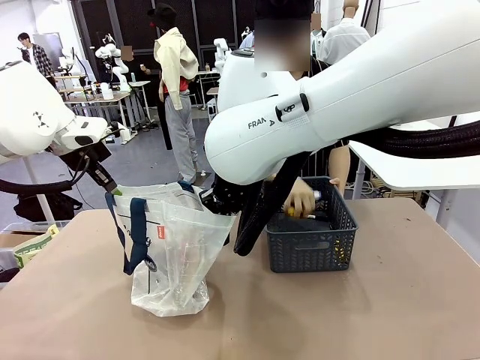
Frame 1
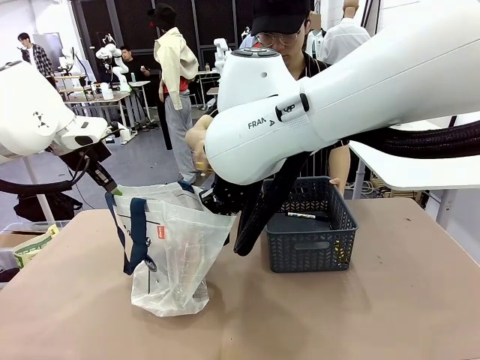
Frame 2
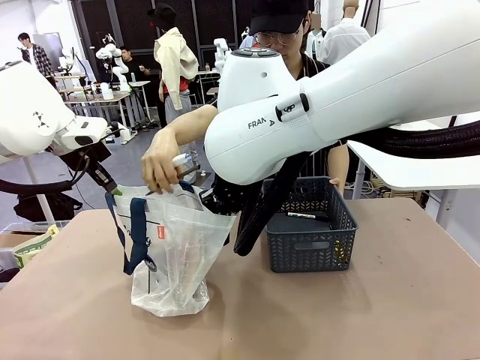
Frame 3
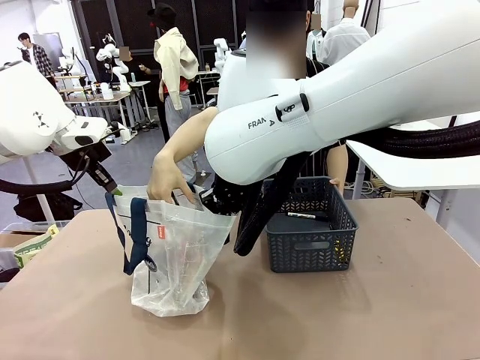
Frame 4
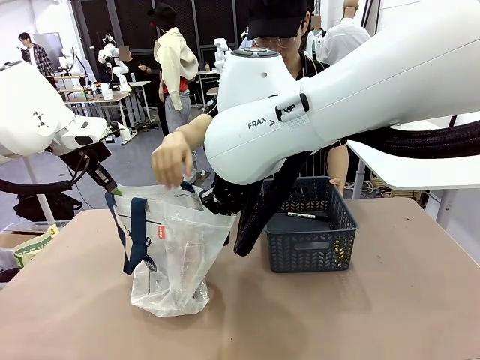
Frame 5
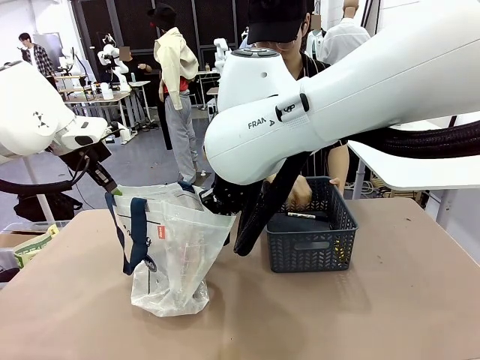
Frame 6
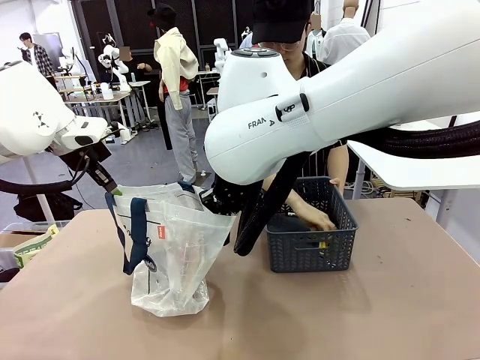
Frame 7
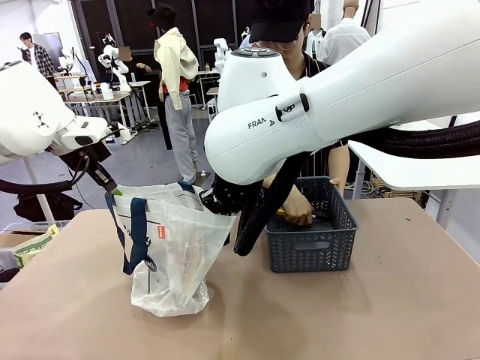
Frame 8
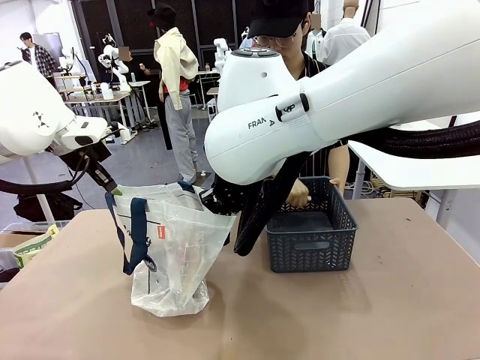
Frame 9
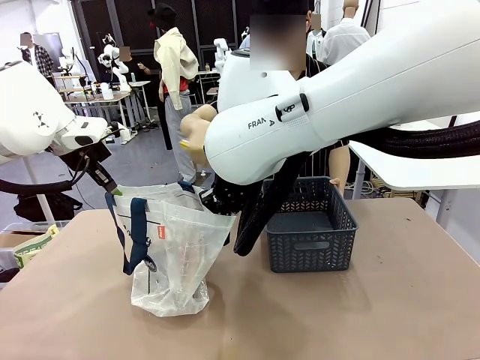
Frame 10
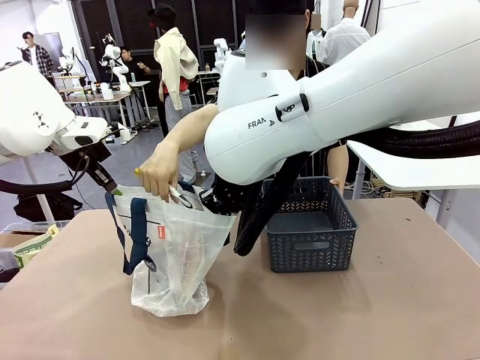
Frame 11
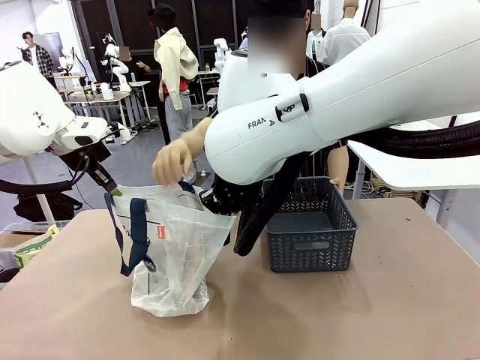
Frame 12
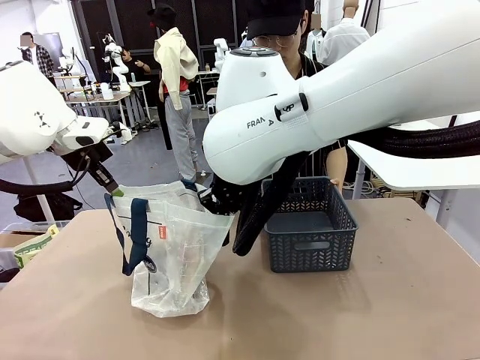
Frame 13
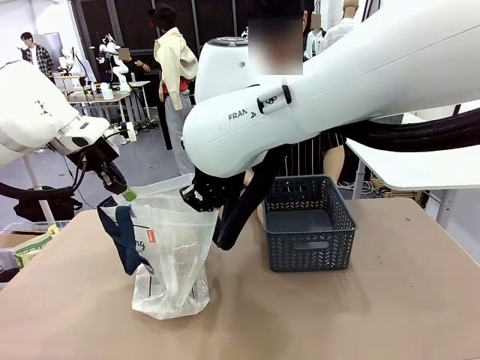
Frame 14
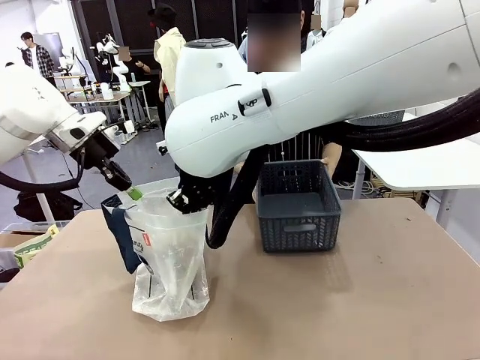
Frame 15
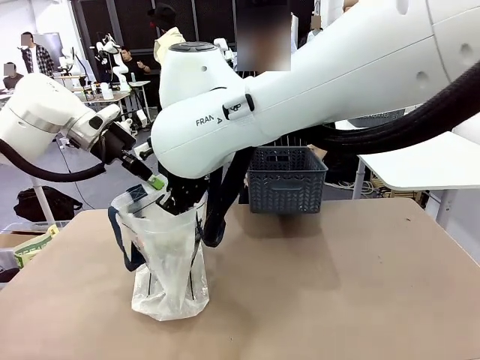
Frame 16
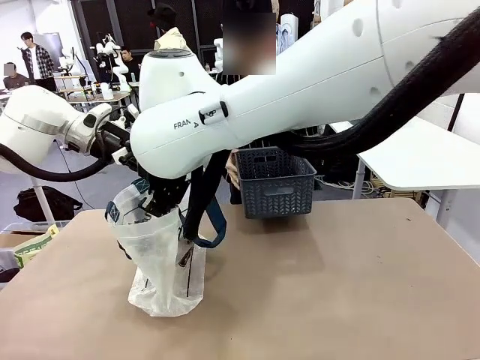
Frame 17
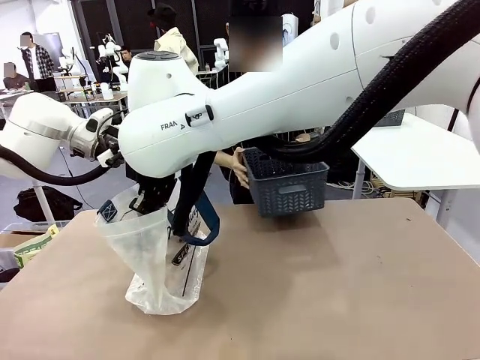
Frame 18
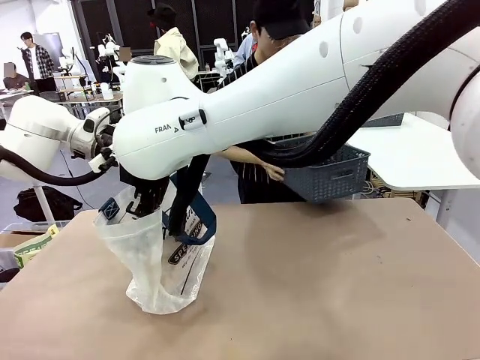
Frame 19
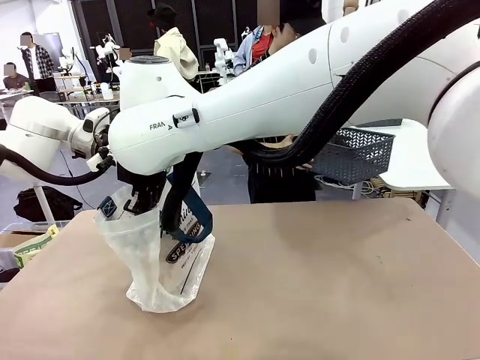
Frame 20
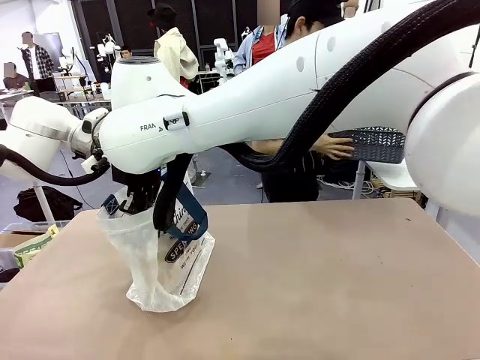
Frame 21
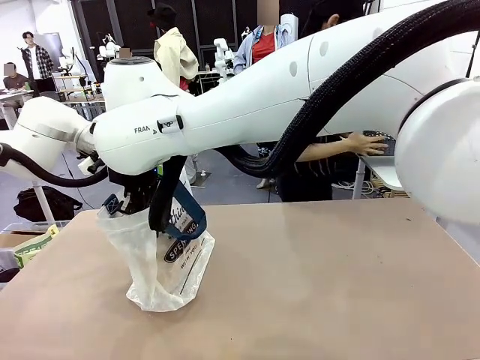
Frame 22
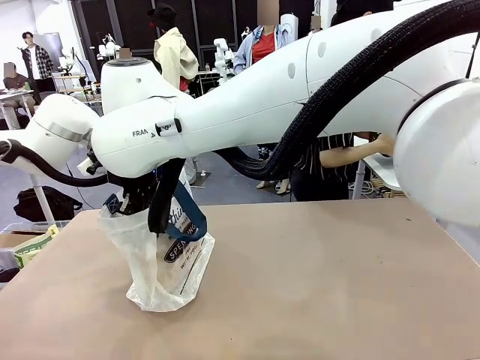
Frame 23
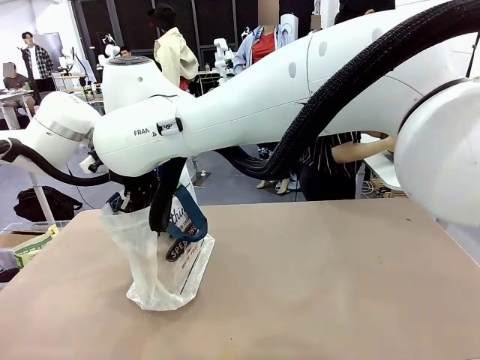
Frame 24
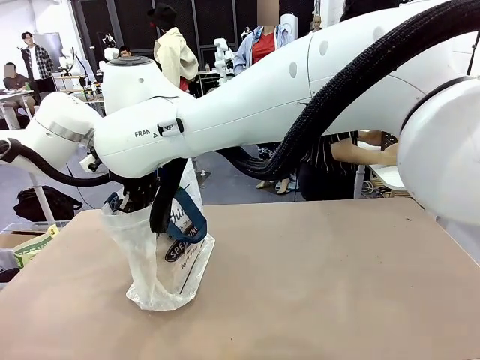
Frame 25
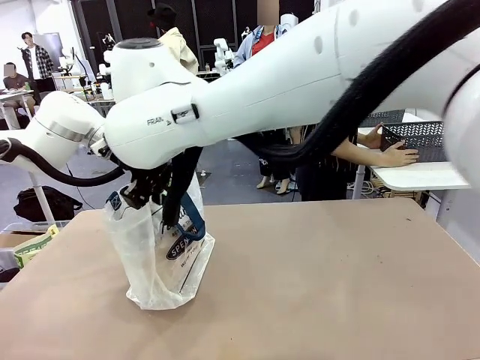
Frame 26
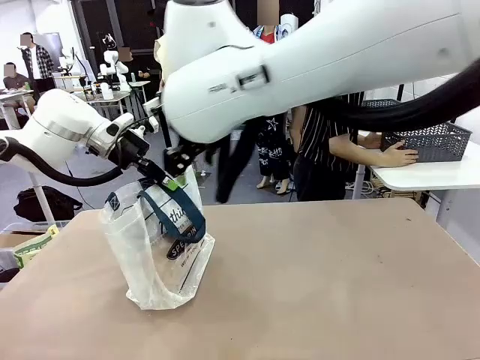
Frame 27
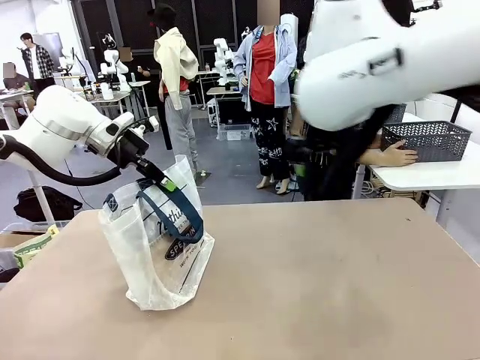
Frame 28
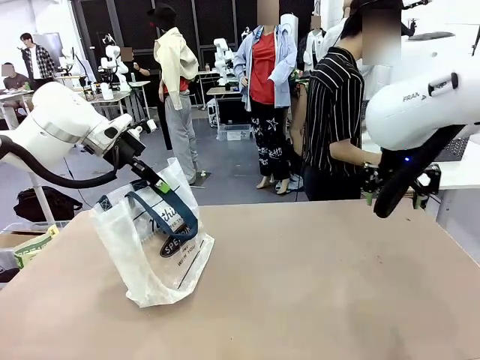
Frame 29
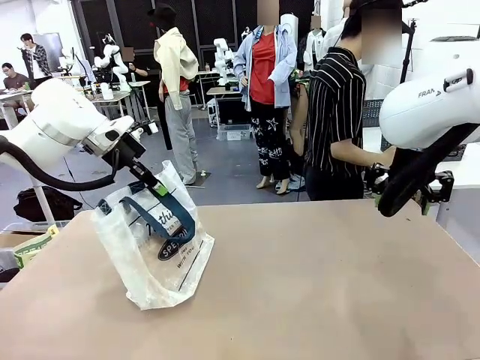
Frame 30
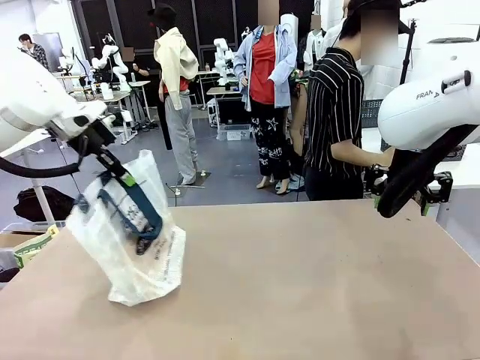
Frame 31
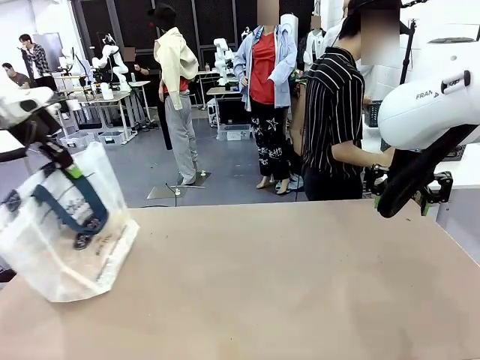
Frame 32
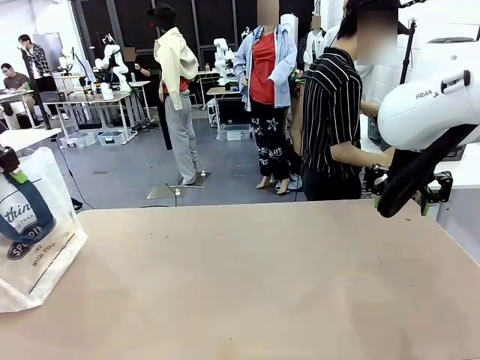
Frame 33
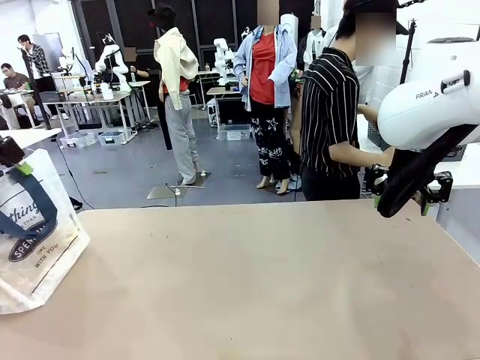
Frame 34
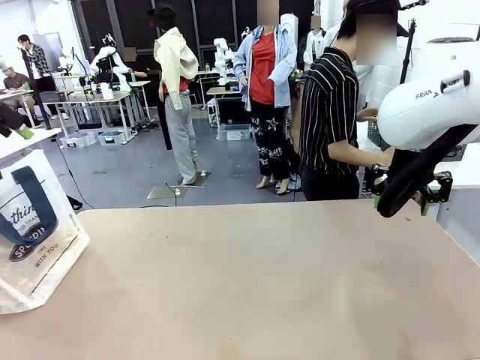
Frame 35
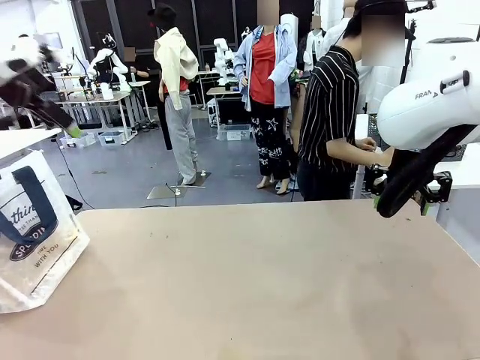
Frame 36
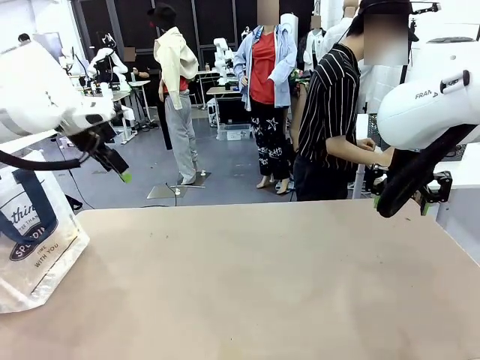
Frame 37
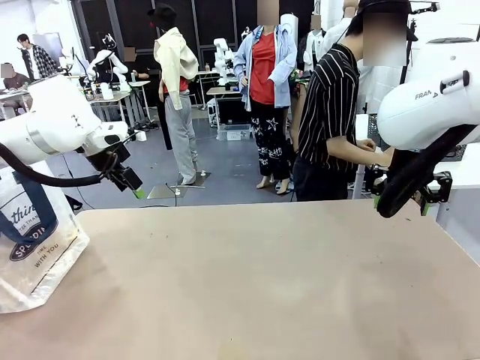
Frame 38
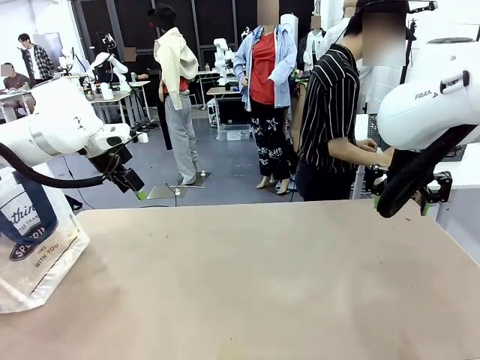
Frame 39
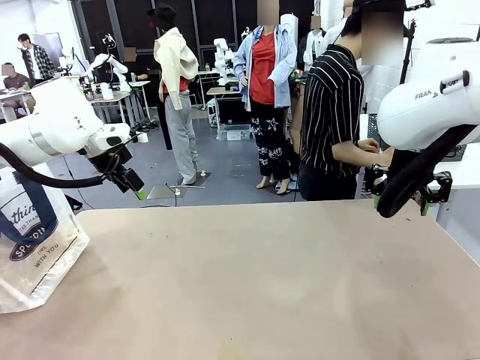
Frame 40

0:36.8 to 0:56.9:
Task: Transfer purchased items from the store into the shopping bag.
Robot: Move the Reusable shopping bag to the right side of the table.
Person: Move the basket on the left to the middle of the person's table.

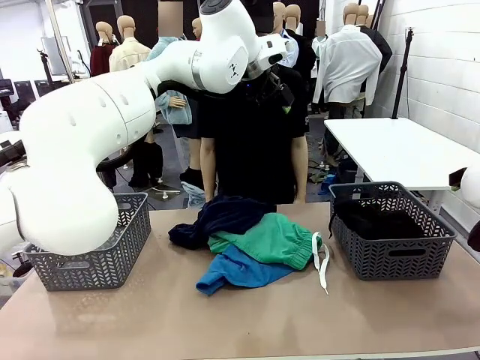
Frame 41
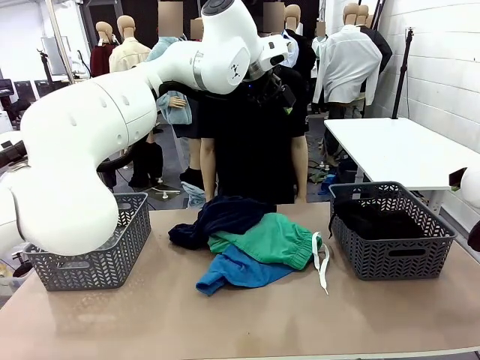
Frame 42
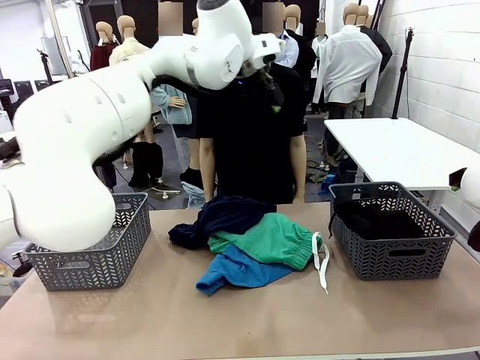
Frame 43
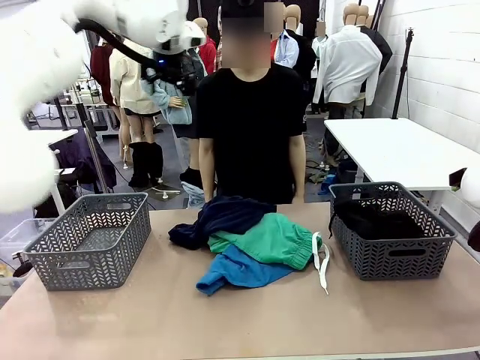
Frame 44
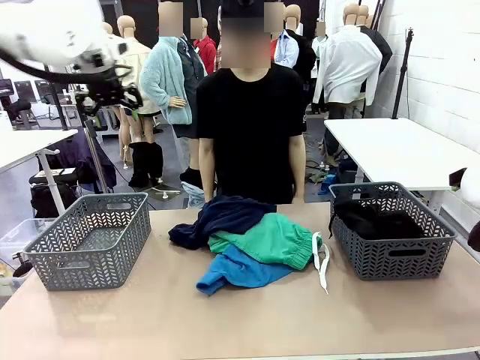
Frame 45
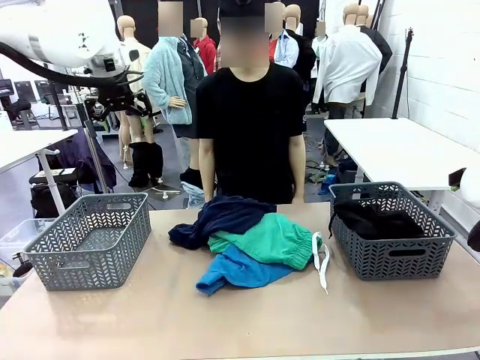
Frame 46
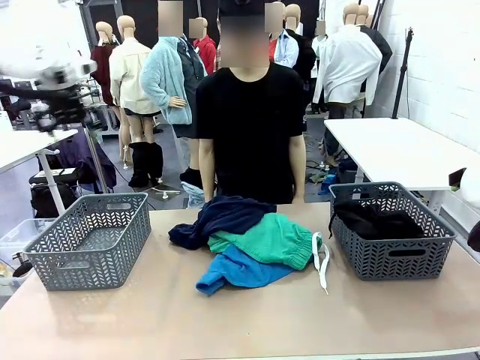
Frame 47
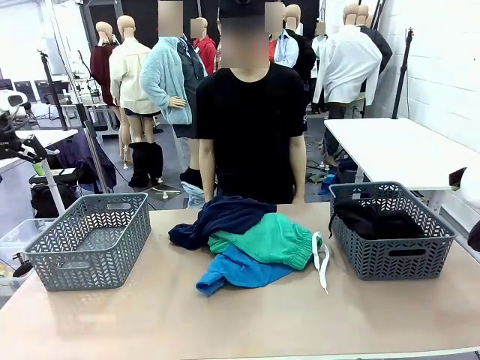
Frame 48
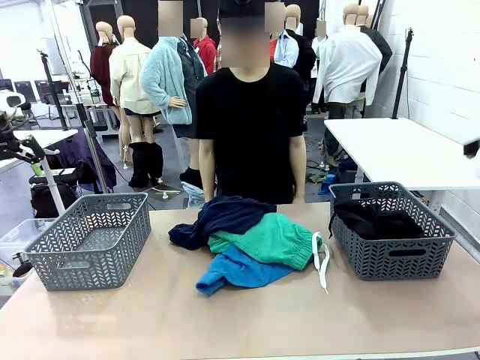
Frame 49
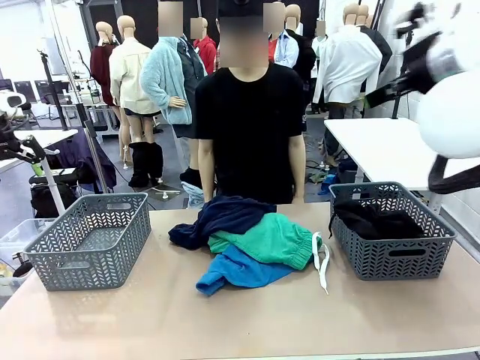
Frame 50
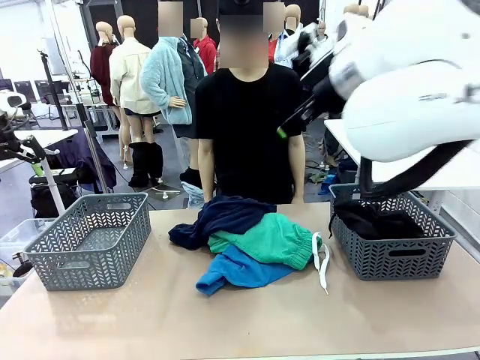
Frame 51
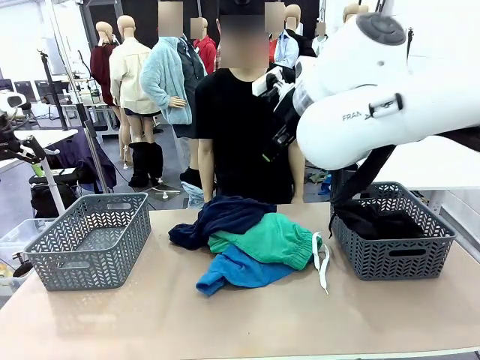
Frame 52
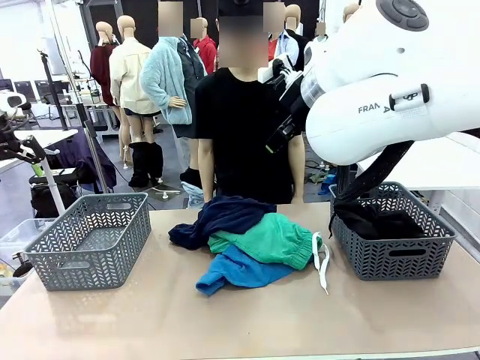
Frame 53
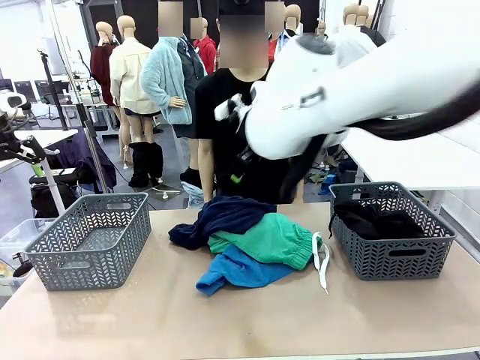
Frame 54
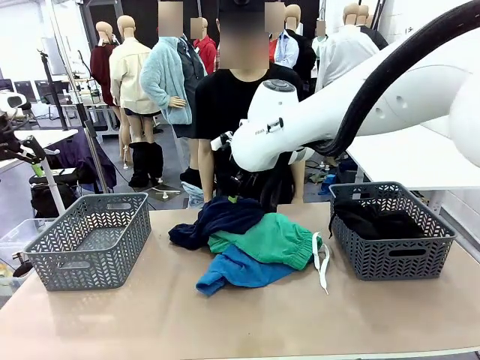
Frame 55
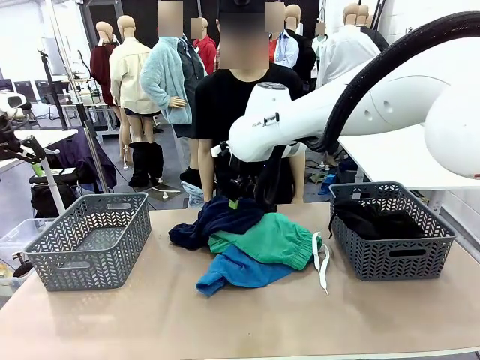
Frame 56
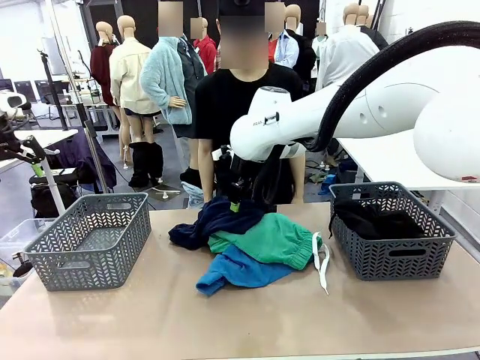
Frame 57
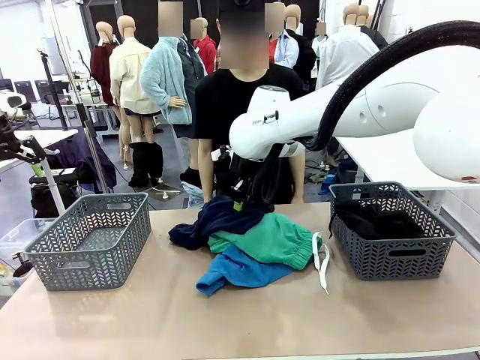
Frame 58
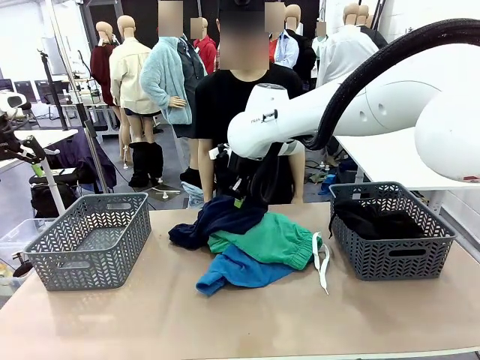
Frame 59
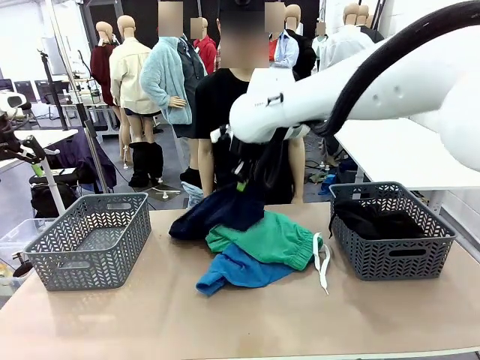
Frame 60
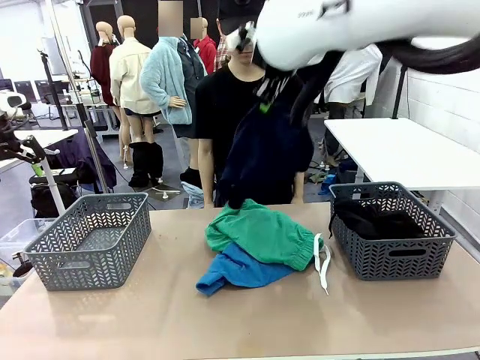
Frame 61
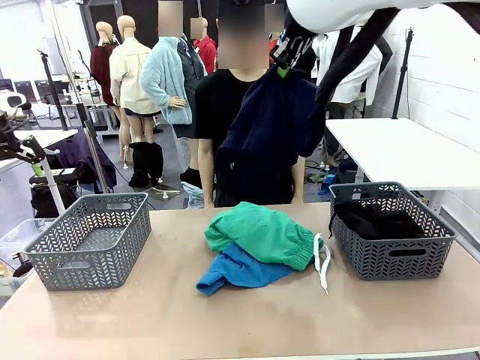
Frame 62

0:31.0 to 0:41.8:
Task: Sort the tops and bottoms.
Robot: Lift clothes from the center of the table with your right hand.
